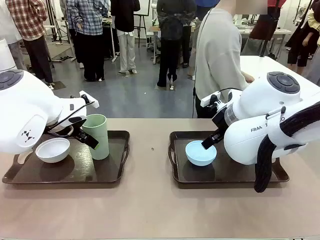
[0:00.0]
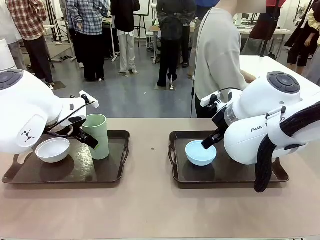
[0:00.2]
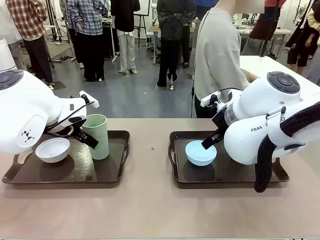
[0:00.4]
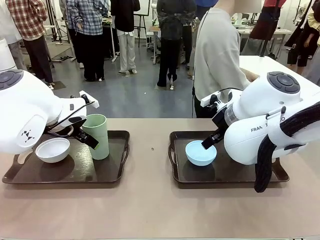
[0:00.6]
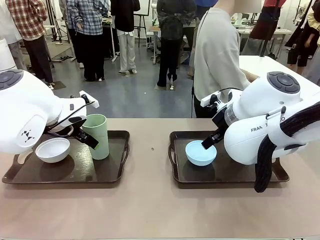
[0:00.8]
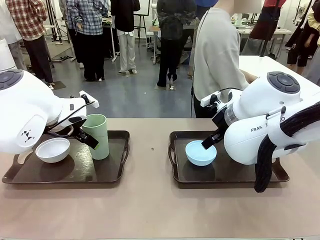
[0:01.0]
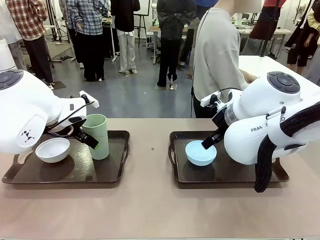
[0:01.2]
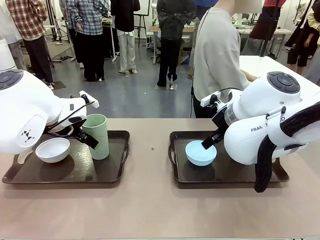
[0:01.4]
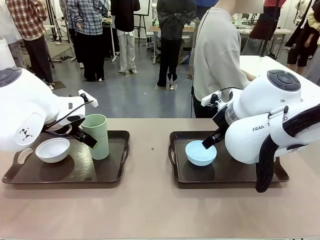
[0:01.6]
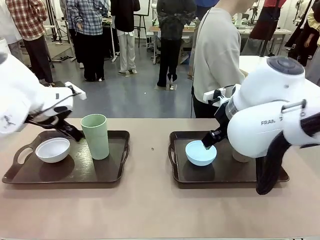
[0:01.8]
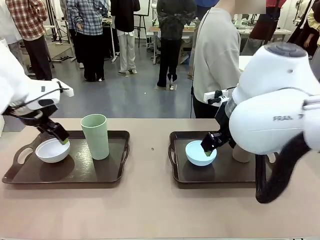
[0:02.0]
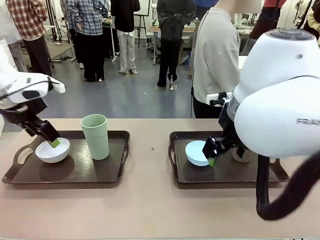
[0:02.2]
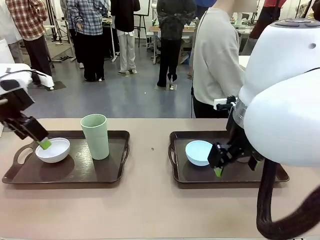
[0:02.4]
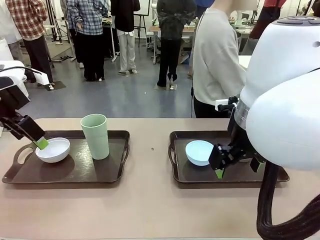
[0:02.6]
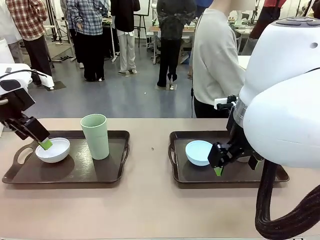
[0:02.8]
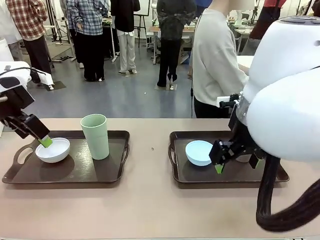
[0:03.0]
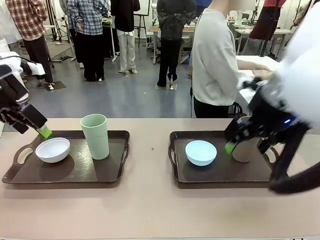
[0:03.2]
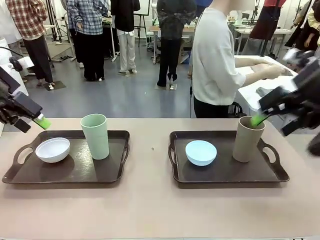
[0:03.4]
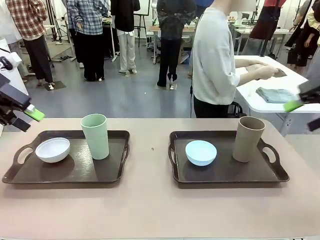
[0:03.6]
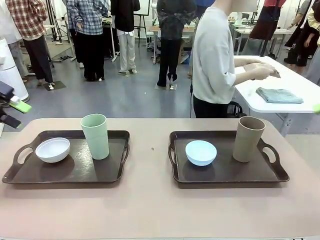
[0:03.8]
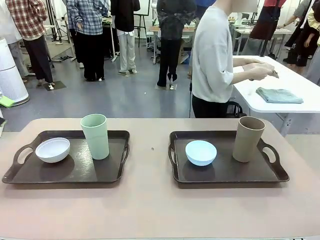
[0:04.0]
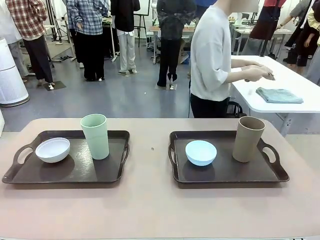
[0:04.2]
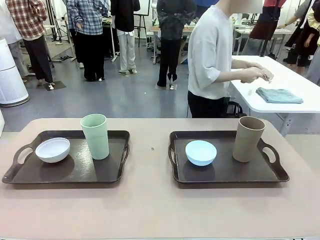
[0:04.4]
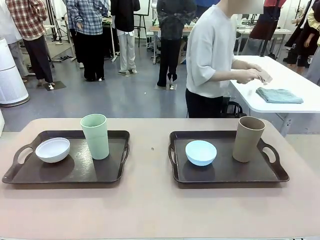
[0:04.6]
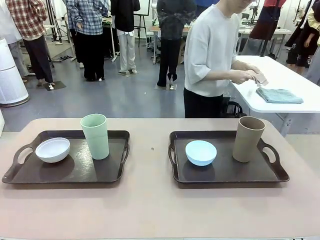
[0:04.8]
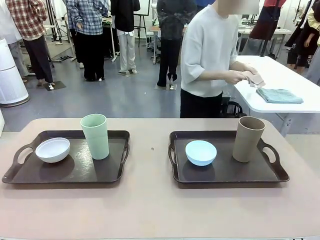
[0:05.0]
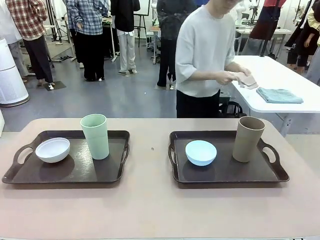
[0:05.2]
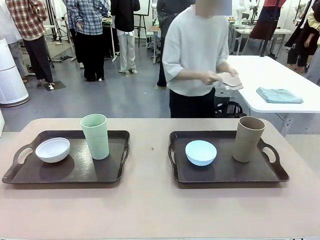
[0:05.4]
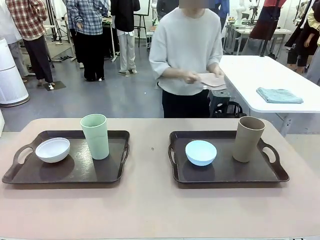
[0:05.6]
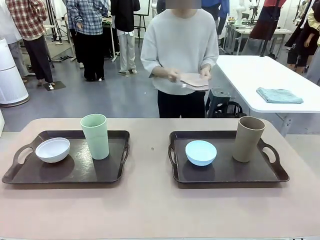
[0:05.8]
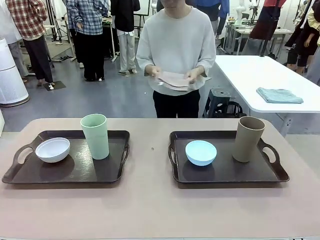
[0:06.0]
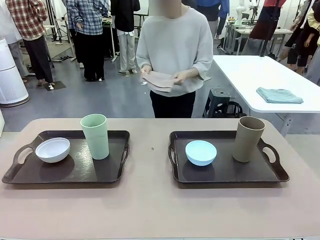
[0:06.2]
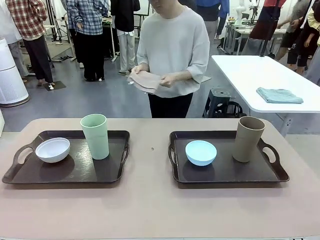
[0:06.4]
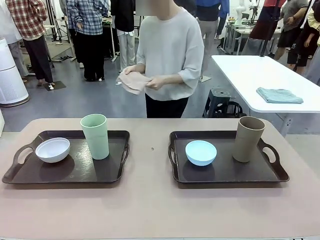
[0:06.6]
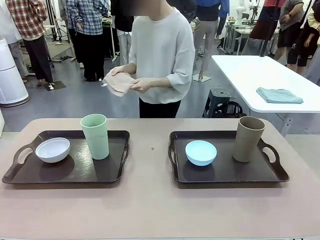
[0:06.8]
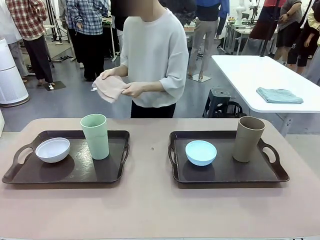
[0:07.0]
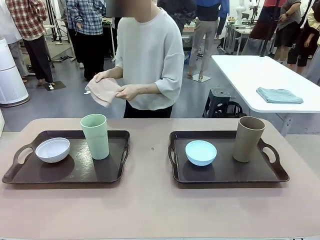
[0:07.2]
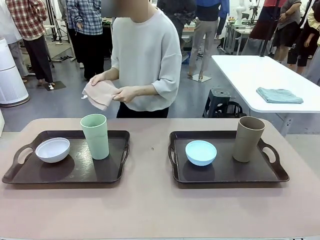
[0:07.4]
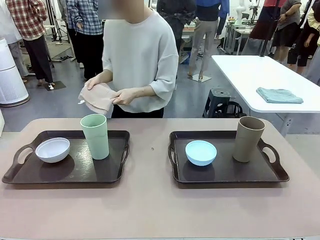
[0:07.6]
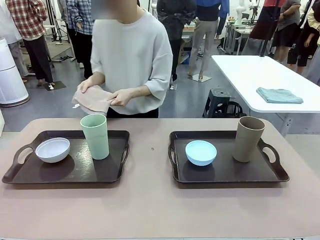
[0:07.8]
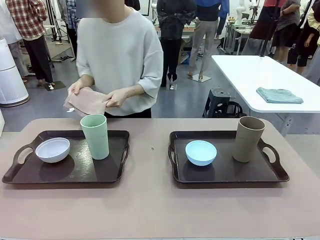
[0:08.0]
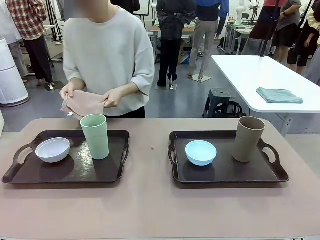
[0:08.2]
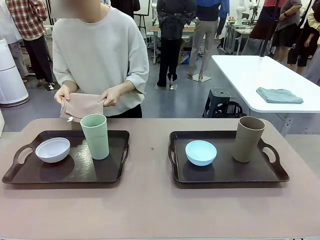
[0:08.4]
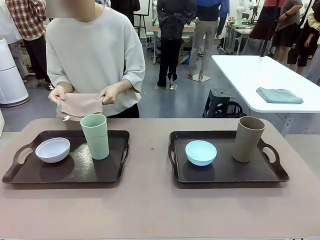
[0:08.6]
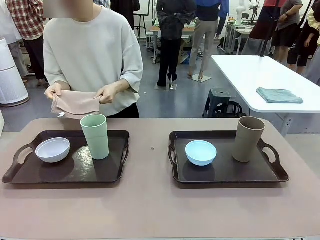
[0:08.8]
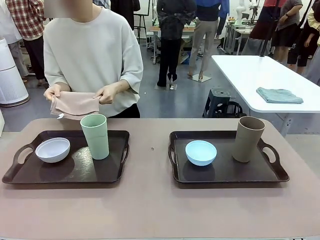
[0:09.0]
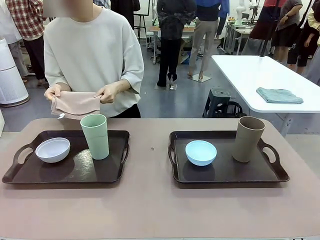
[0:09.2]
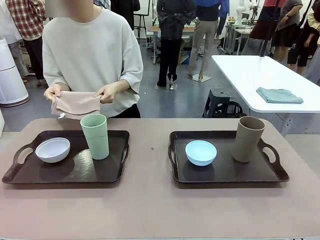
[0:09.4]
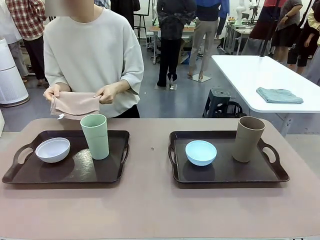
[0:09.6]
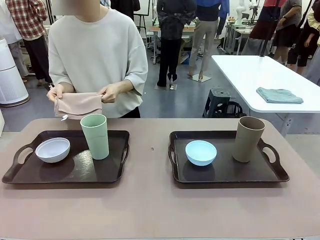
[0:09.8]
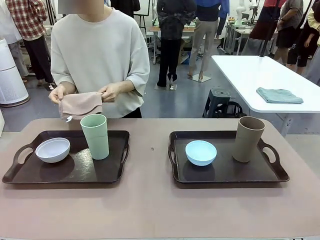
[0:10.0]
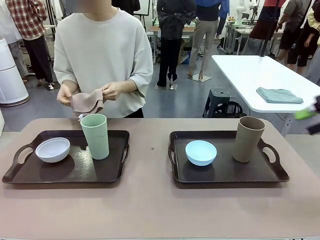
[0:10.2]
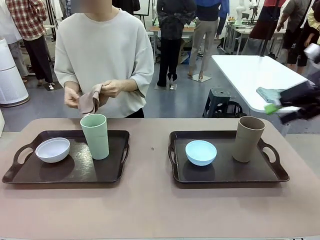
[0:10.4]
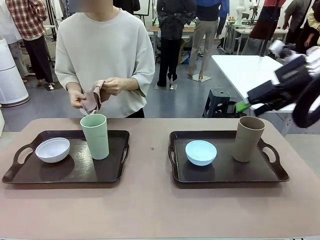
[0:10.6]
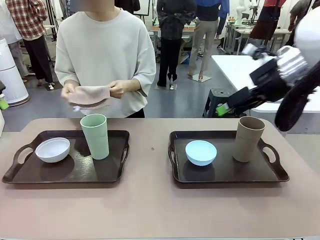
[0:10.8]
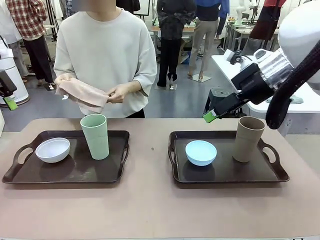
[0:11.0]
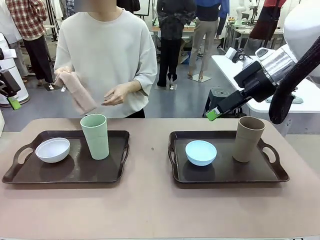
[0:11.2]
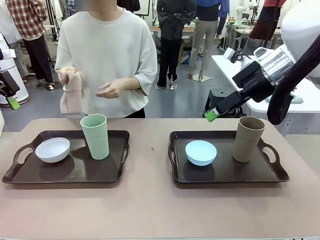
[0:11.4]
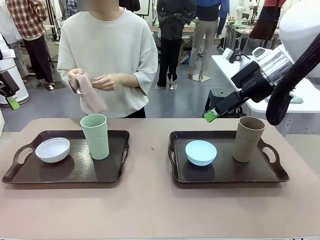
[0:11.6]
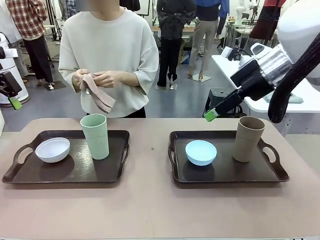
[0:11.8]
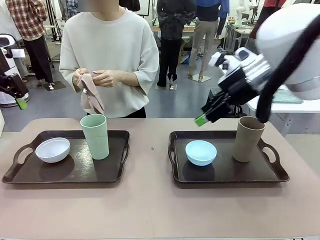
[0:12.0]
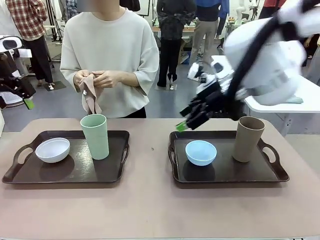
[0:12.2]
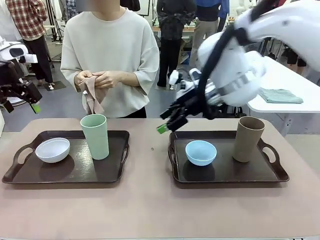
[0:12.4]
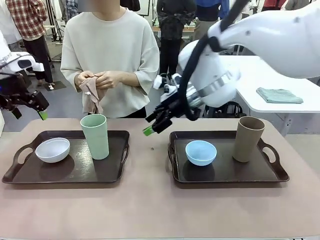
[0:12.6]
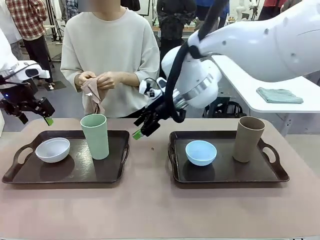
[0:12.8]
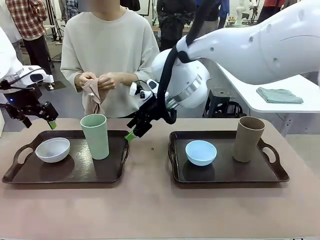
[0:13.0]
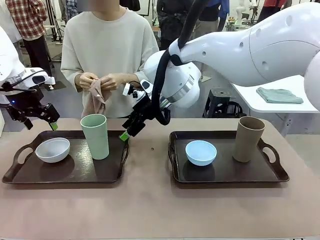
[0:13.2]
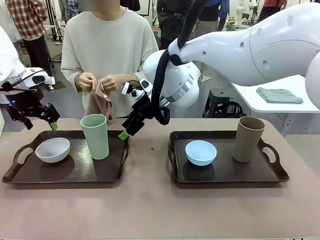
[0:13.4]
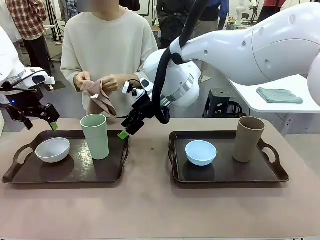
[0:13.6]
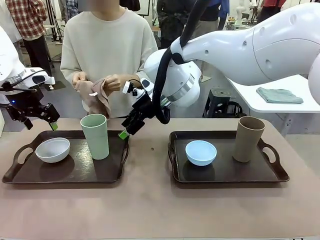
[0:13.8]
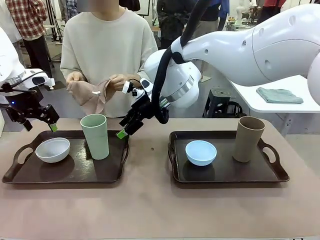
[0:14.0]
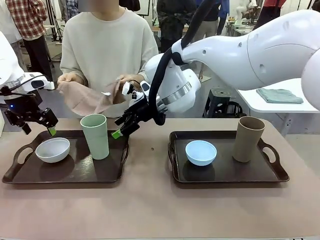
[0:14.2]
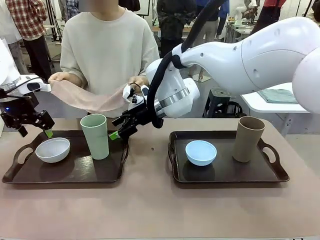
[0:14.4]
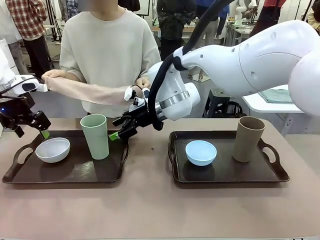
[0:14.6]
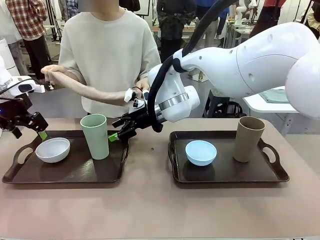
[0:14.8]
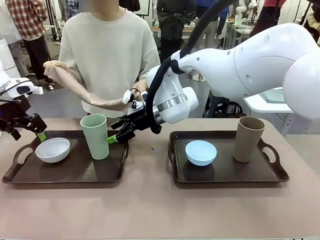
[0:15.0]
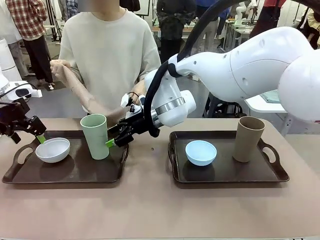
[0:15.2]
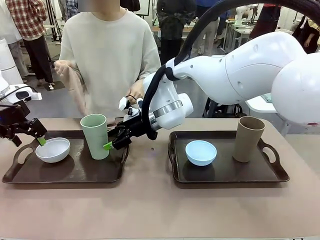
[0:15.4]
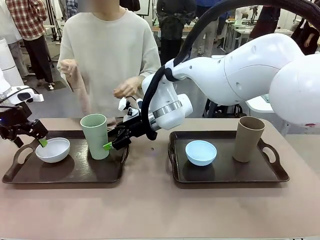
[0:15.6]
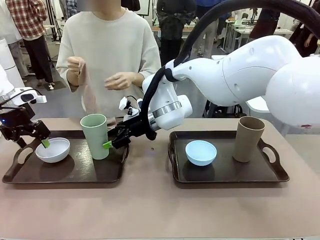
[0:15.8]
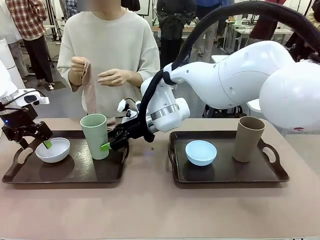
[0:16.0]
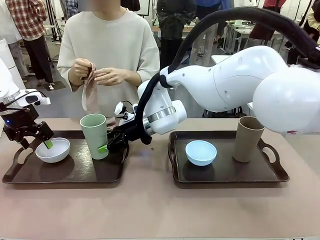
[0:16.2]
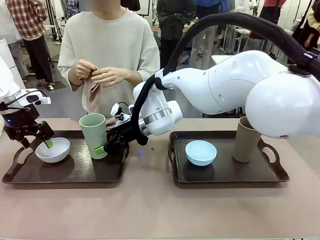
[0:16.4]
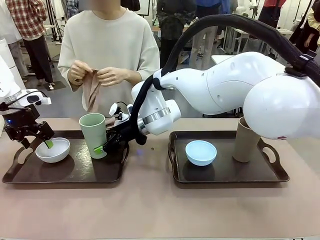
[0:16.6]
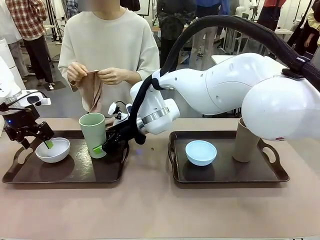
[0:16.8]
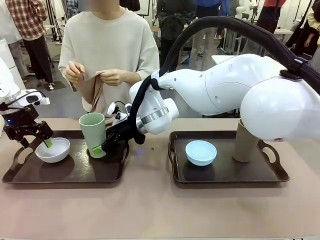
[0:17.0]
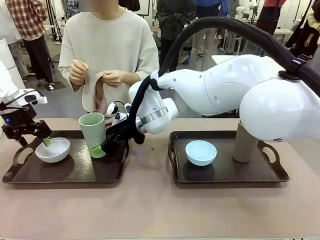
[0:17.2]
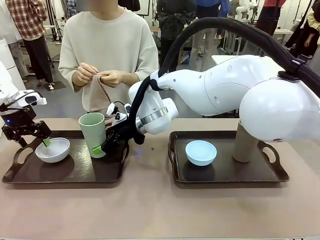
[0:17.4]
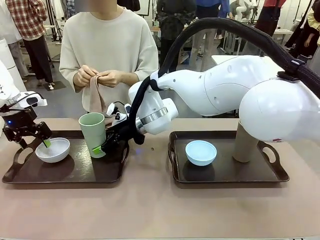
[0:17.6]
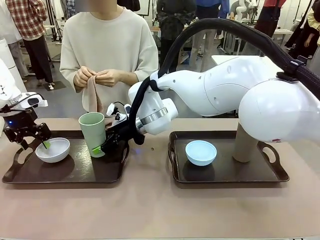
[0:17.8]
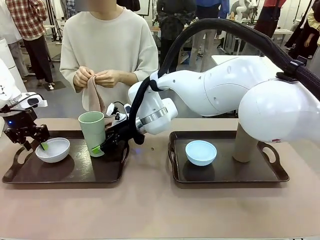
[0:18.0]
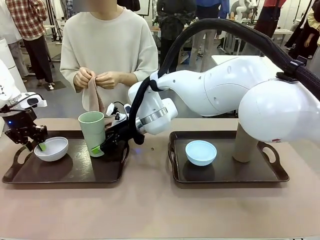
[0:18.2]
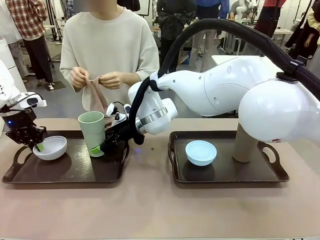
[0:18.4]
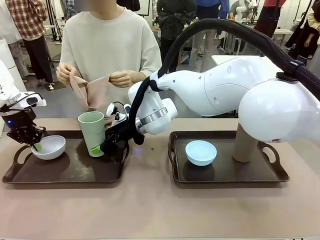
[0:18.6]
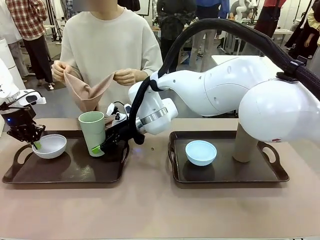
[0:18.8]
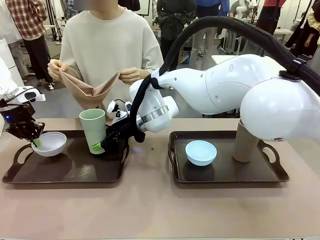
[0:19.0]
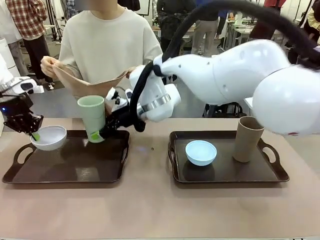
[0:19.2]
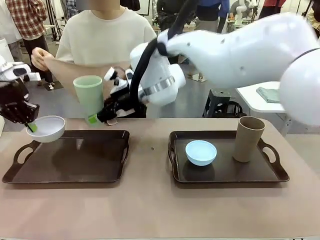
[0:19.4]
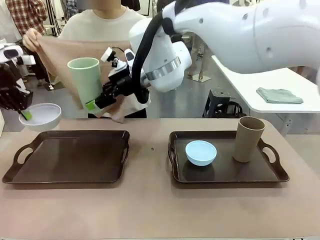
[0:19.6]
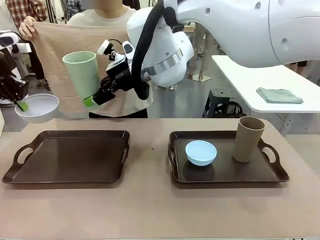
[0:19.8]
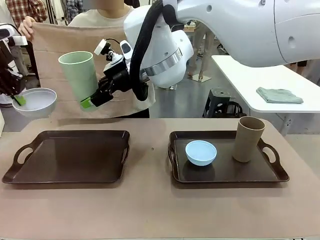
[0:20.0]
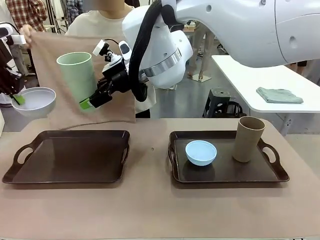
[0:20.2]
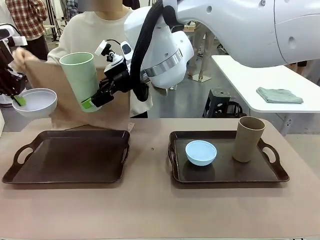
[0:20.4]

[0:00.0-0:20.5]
Robot: Pick up the Picnic Bowl and Reusable plastic cup from the Handle tray in front of the human's position and hold them in the air.
Person: The human picks up the top napkin from the stack on the human table and walks to the robot table to stand in front of one of the two trays. When the robot lifts the bowl and the cup, the human unfolds the napkin and lays the napkin flat on the tray.
